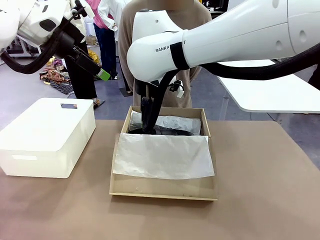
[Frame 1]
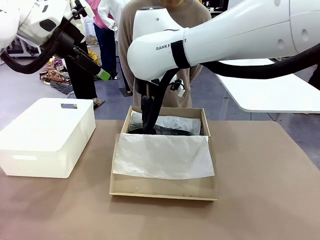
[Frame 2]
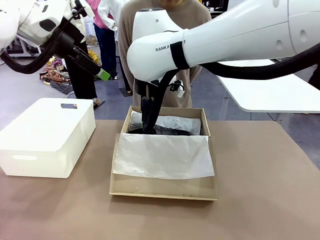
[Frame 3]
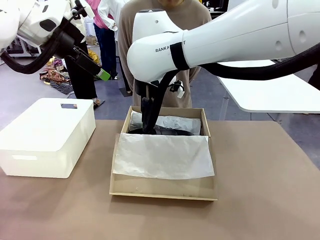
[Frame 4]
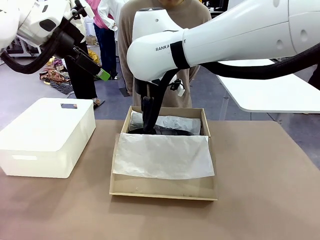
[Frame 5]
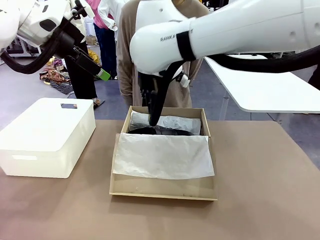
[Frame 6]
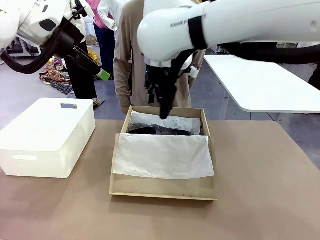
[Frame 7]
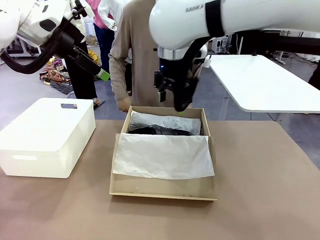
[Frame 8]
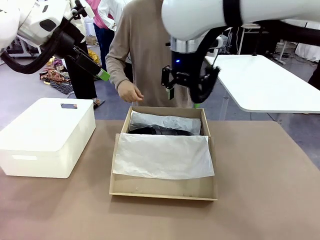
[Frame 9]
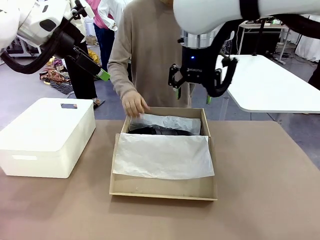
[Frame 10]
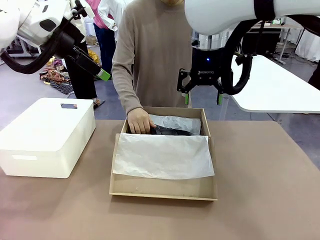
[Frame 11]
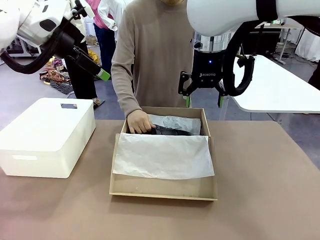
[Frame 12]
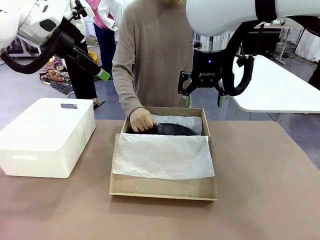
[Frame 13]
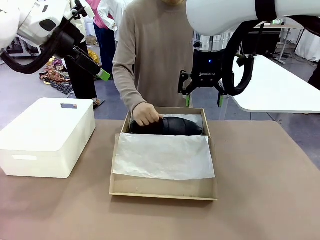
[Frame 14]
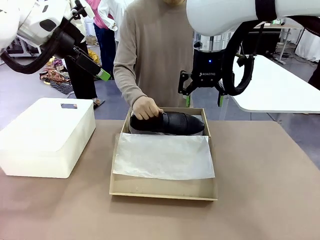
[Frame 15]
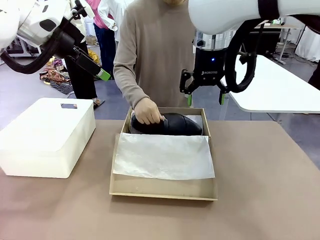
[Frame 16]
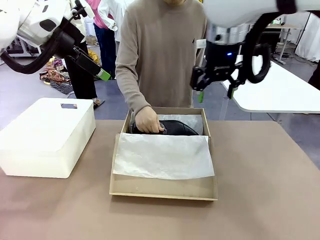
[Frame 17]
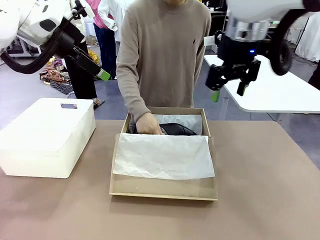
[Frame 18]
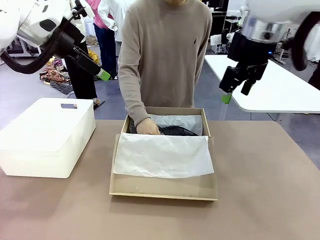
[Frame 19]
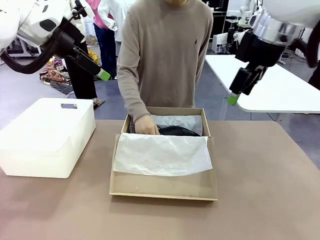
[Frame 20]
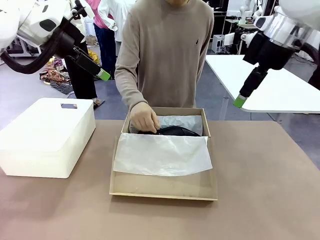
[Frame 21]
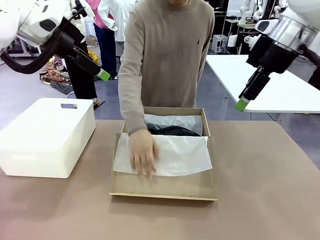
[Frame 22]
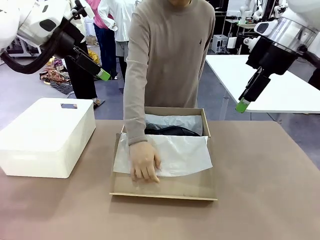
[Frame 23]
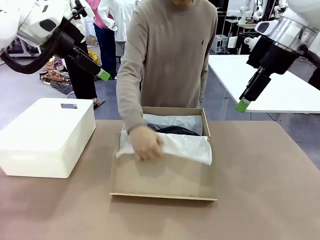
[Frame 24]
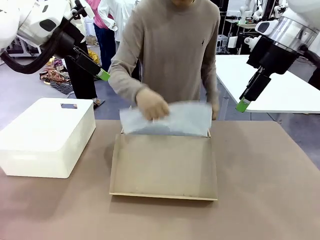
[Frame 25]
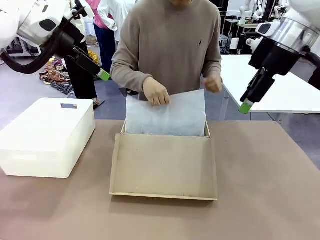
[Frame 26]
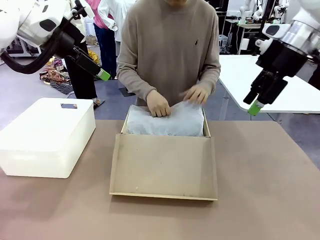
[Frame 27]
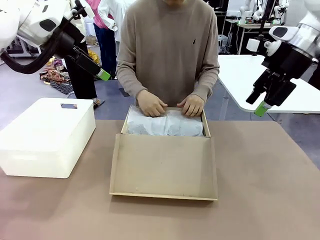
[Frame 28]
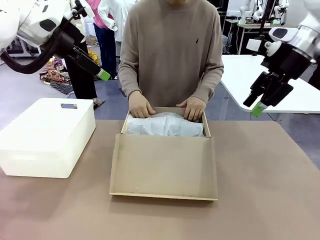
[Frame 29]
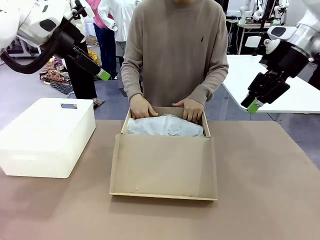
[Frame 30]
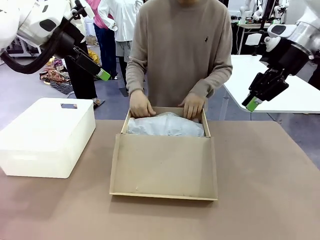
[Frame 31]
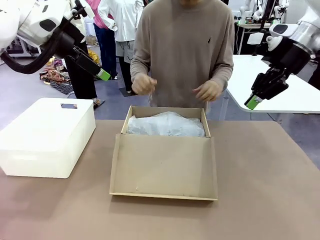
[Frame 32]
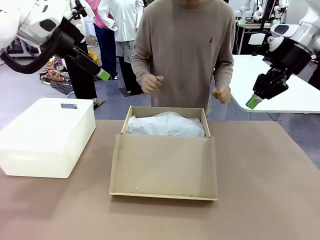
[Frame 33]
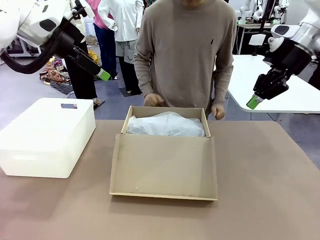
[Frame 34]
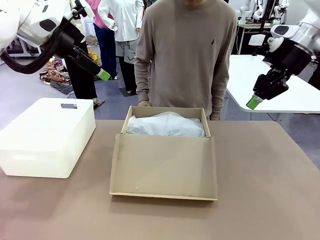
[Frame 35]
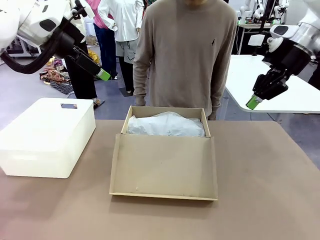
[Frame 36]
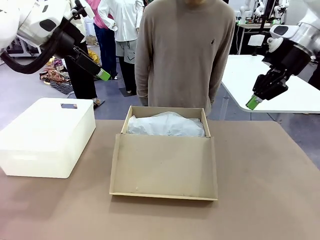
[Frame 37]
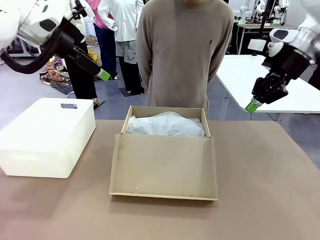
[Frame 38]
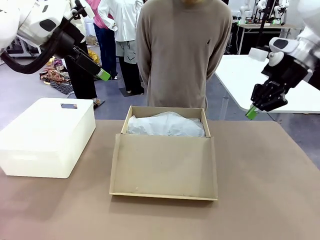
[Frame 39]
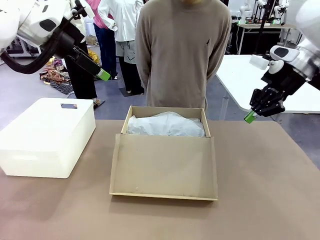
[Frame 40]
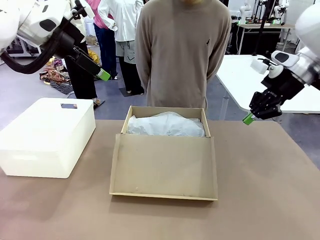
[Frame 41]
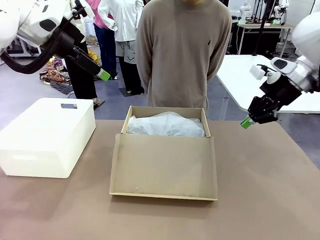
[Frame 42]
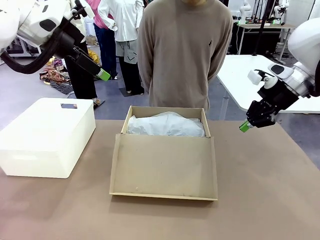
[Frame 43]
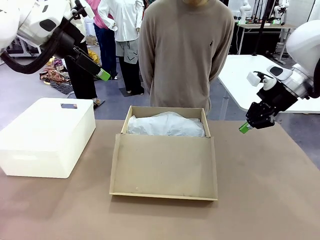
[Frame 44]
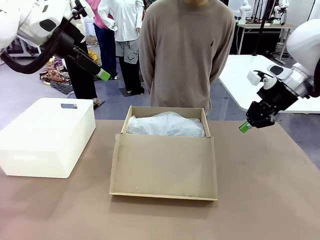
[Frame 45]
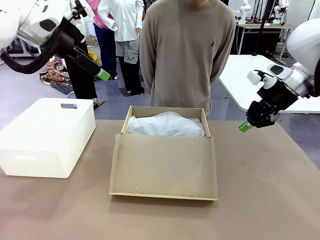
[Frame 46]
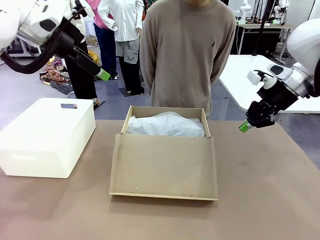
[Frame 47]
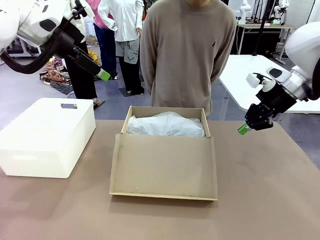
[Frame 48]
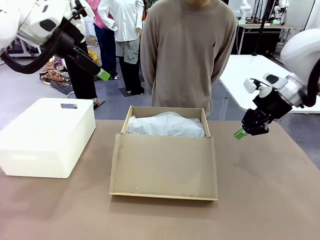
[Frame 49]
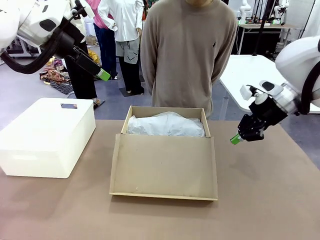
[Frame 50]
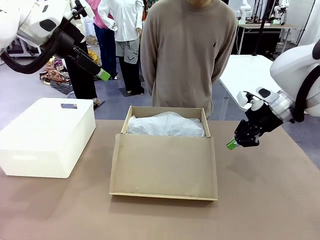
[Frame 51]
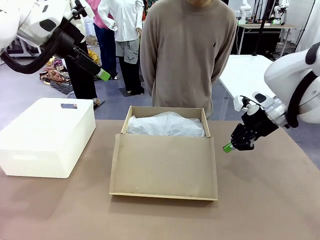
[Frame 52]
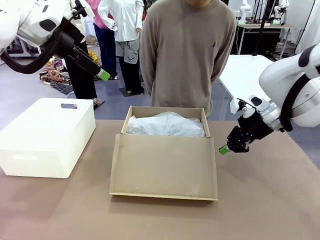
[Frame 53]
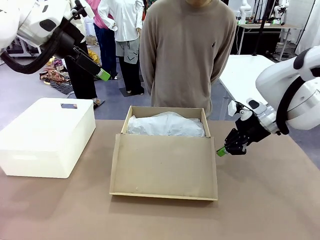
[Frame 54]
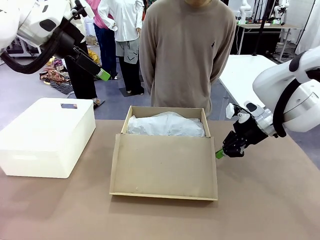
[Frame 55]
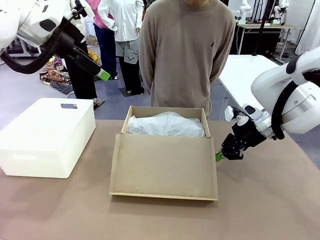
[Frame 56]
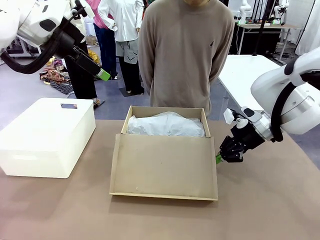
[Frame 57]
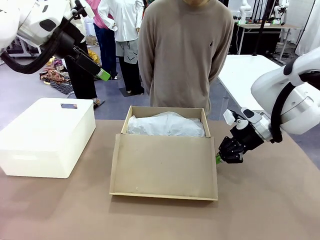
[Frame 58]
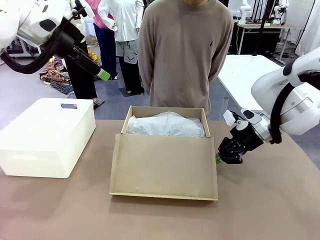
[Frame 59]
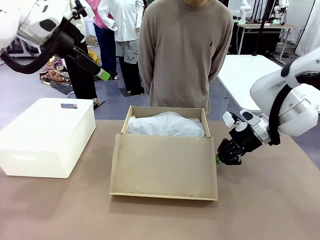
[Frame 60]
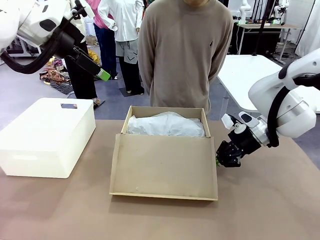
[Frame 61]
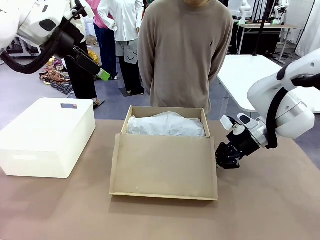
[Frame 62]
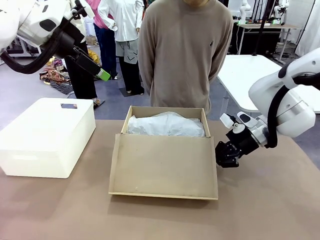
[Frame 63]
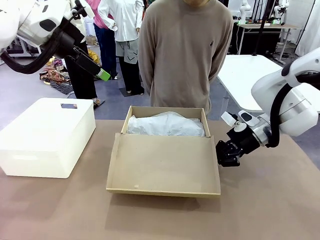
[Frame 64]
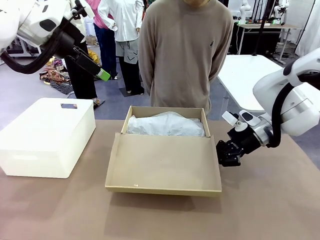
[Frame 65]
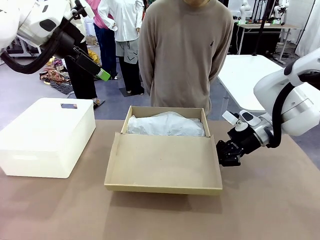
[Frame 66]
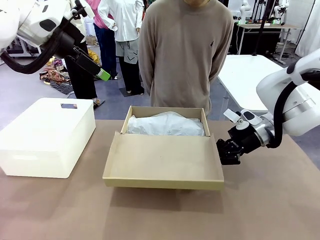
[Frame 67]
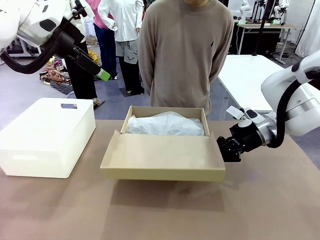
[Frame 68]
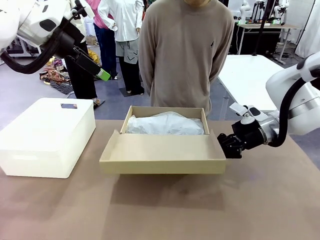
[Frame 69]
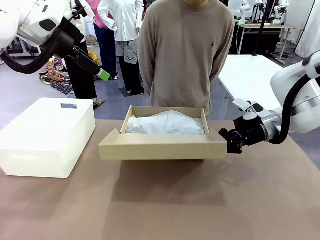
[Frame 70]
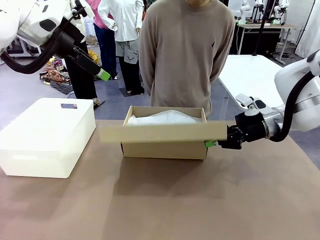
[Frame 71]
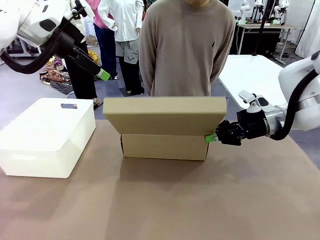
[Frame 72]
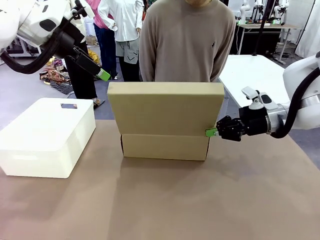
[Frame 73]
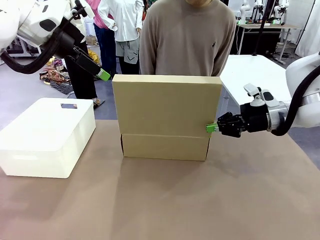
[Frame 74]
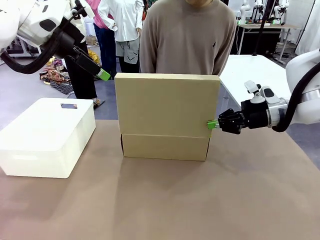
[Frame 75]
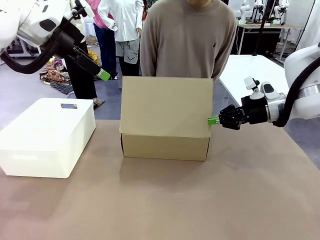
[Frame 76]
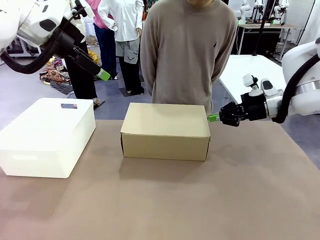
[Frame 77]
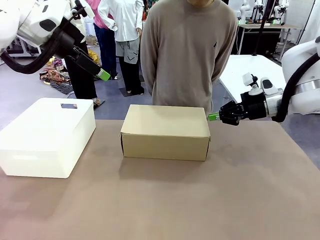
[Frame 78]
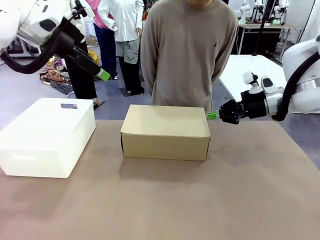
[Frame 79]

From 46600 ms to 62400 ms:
Task: Pack the shoes into the box.
Robot: Close the Shoes Box.
